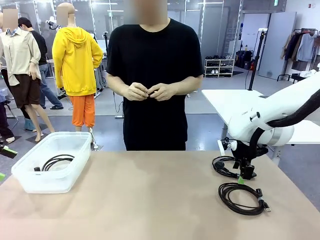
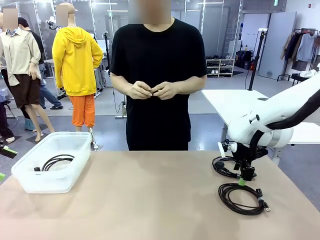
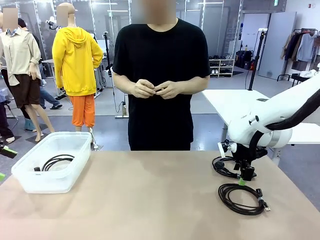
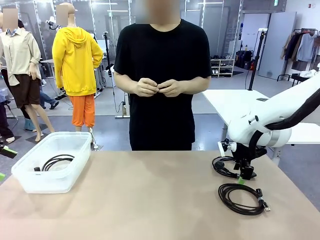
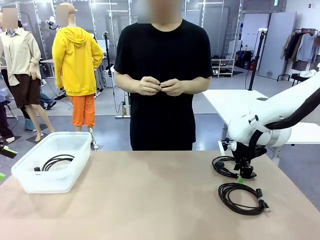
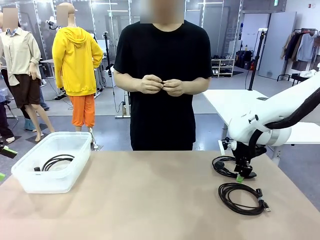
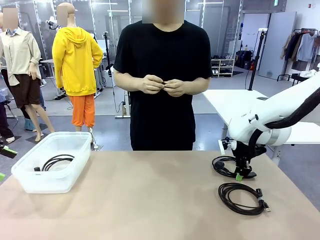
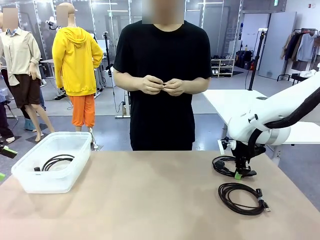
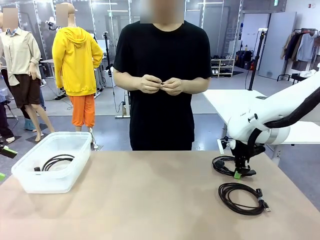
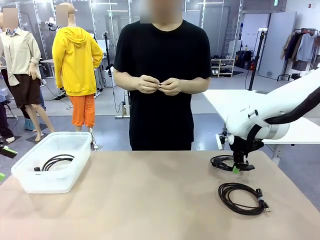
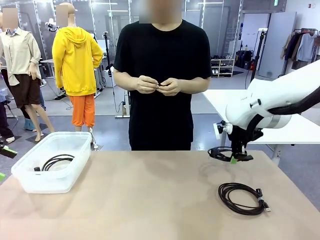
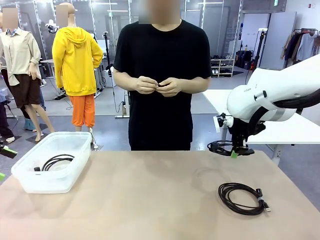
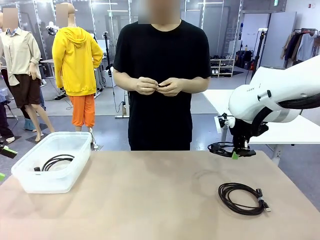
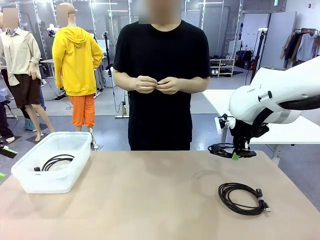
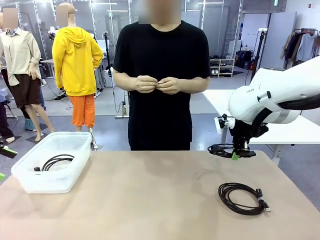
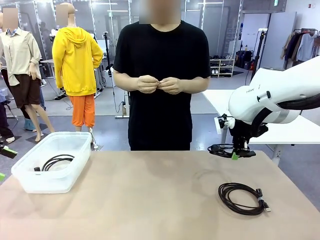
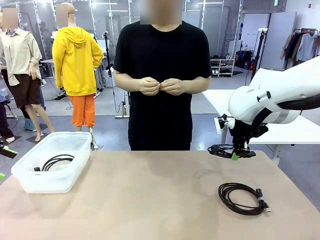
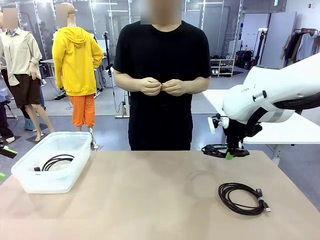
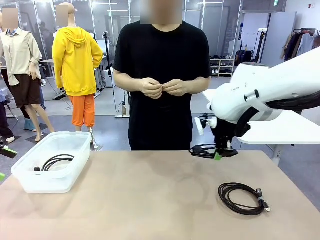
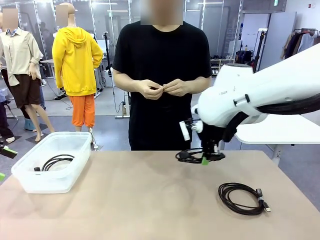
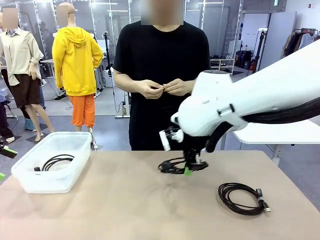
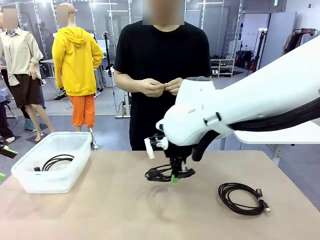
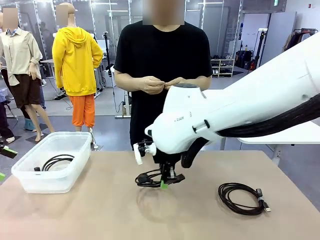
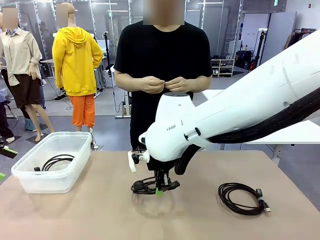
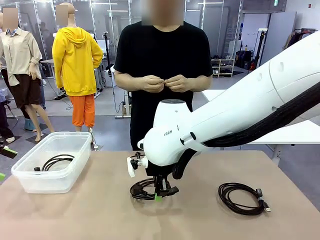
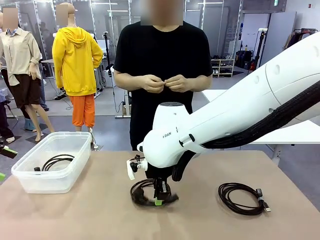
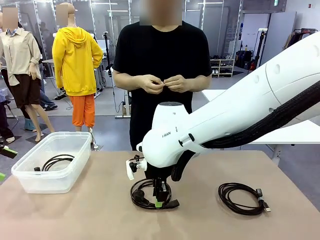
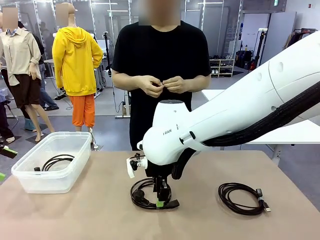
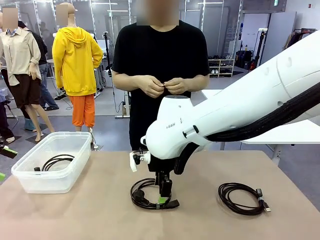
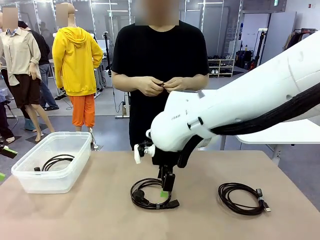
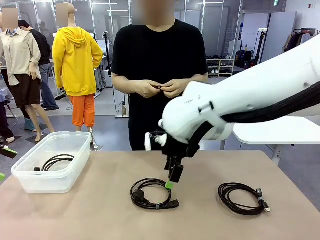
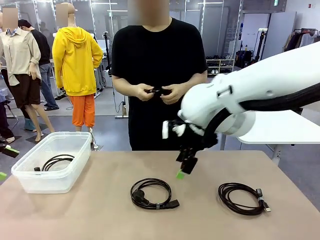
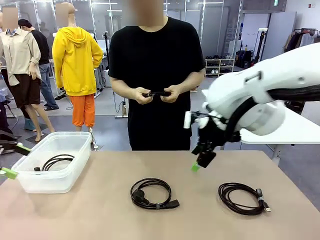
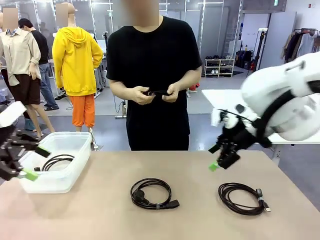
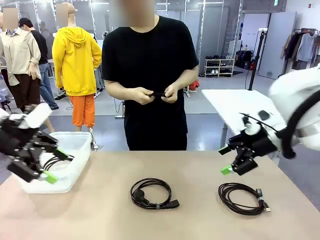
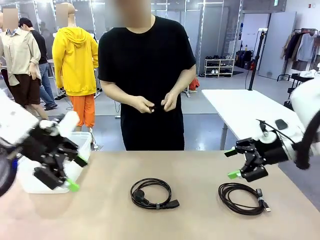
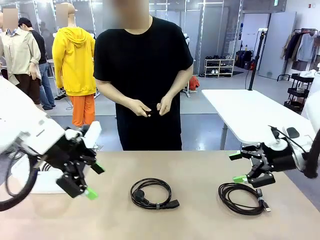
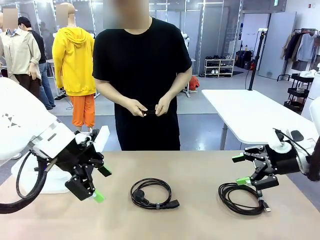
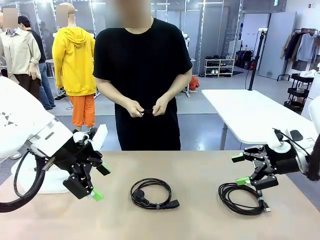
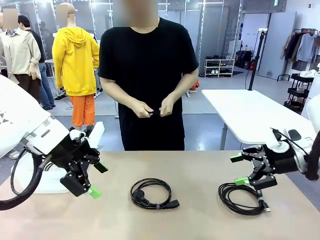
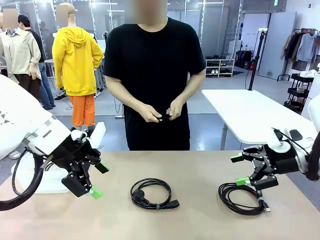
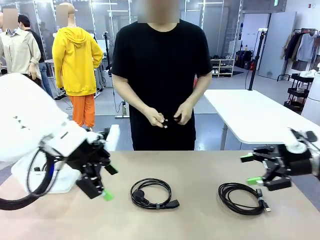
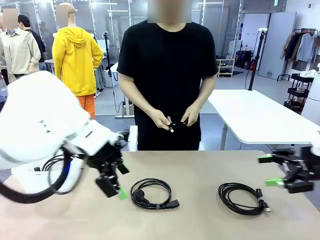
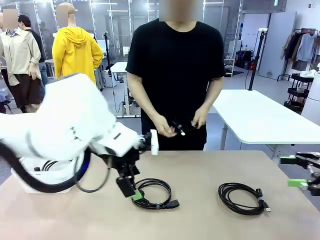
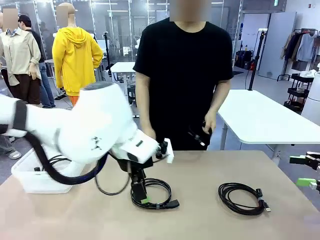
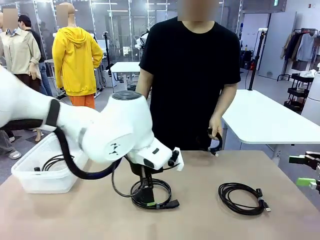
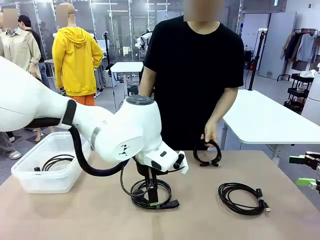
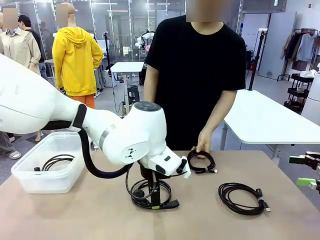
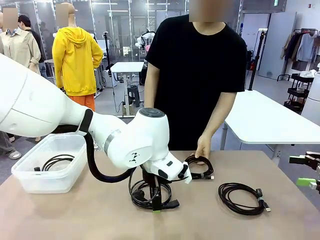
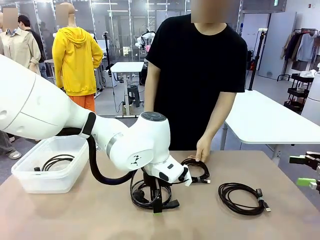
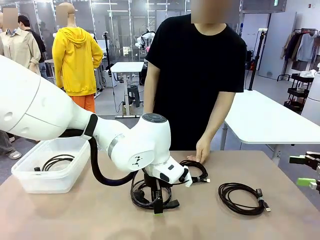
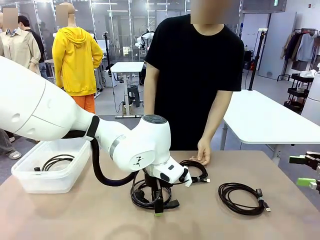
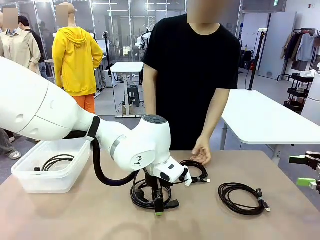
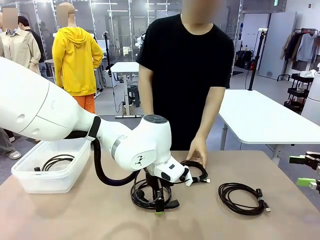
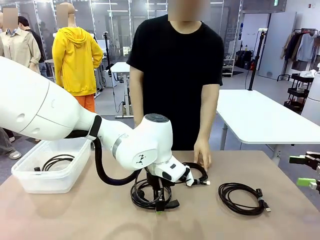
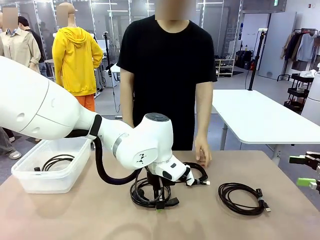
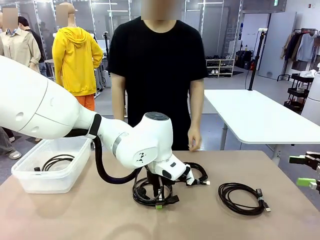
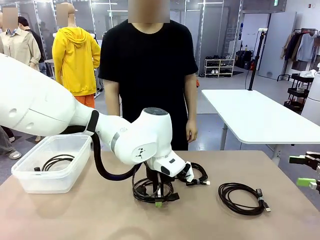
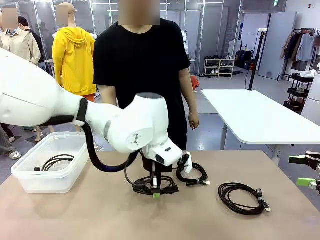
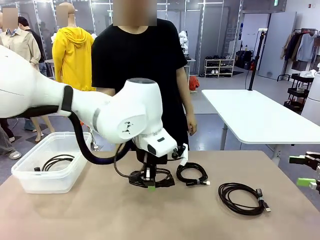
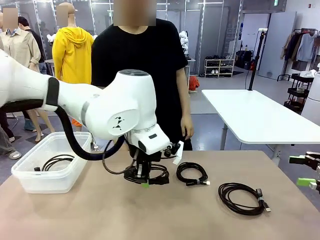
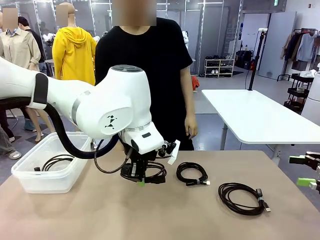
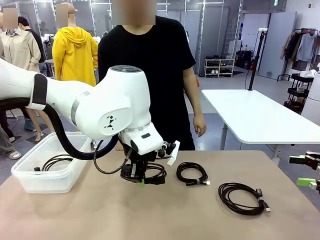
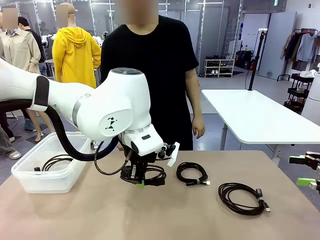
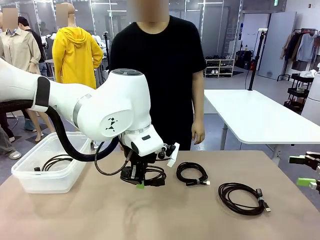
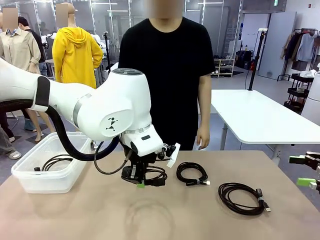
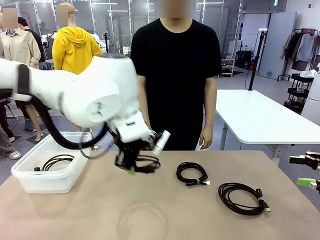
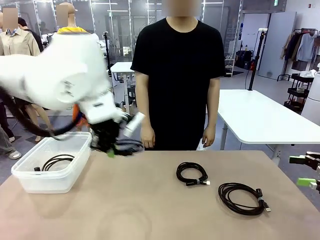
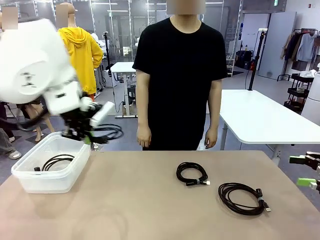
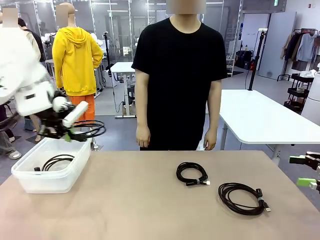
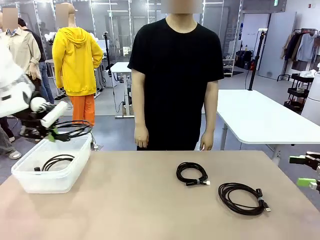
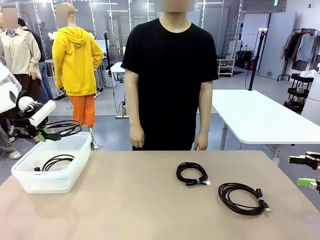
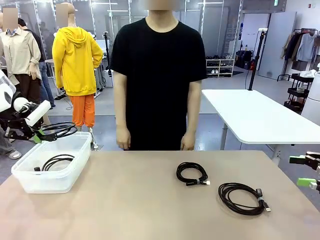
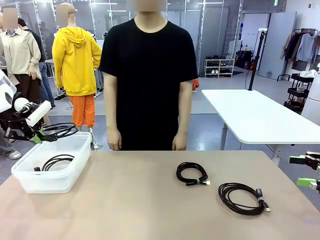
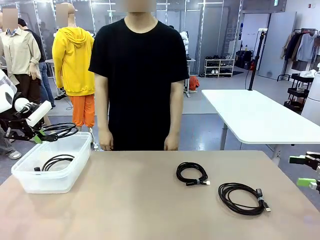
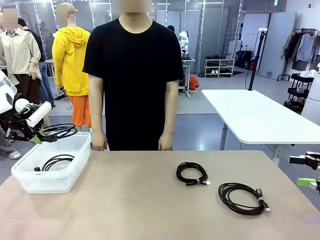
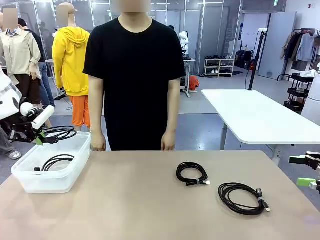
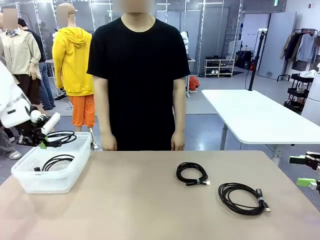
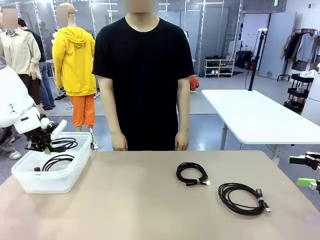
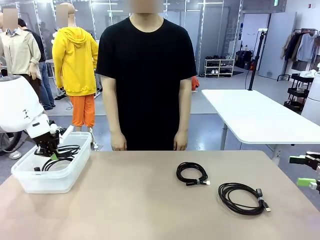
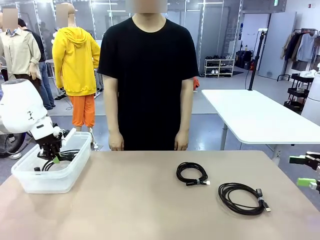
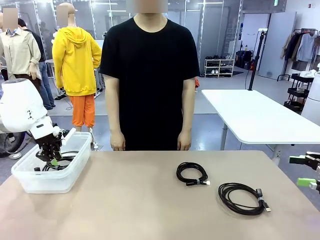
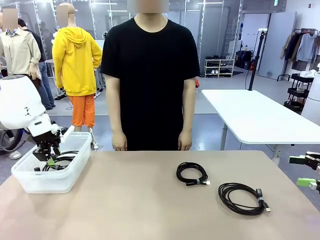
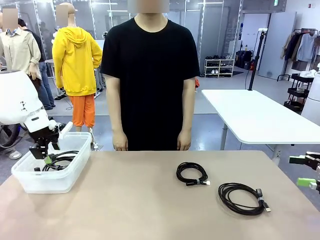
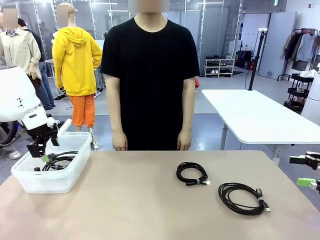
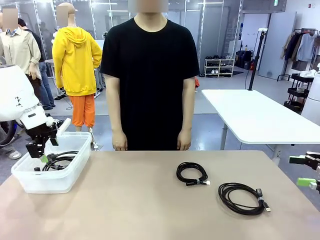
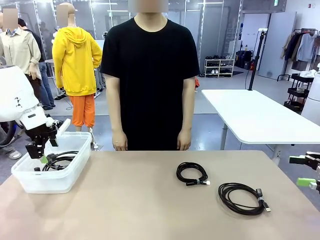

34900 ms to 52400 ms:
Task: Organize and store the cables.
Robot: Place the Power Cable into the Organizing box.

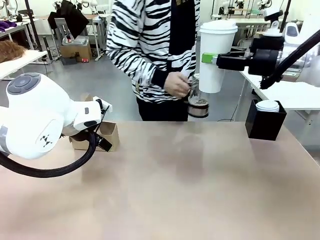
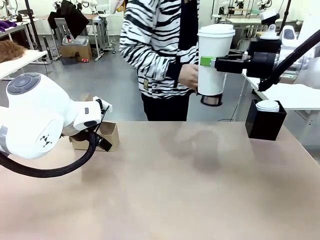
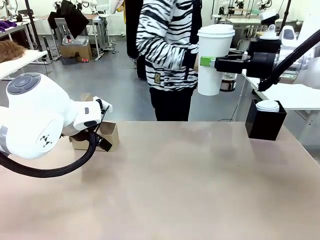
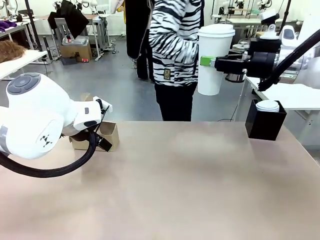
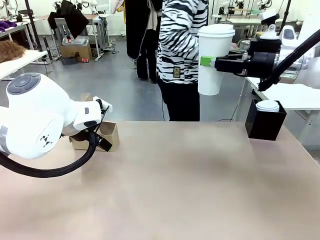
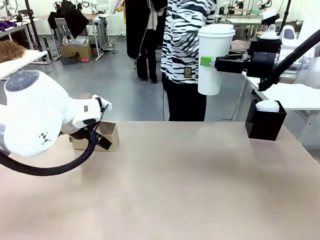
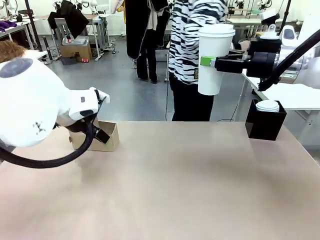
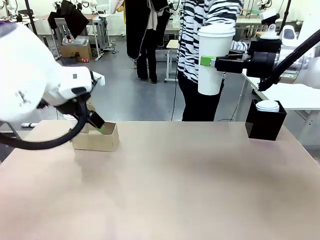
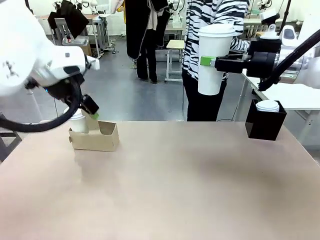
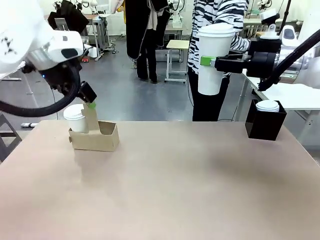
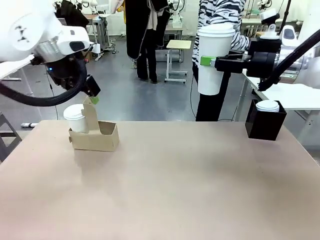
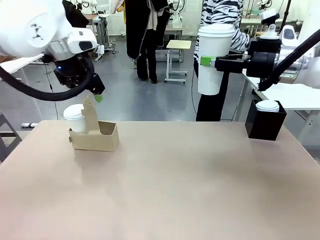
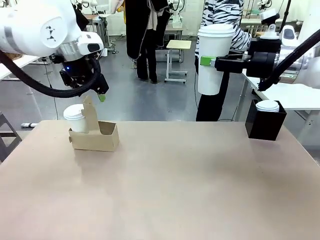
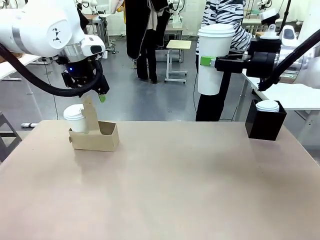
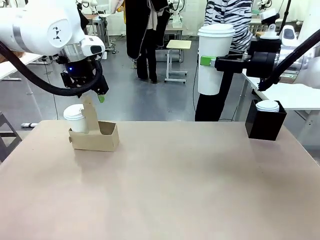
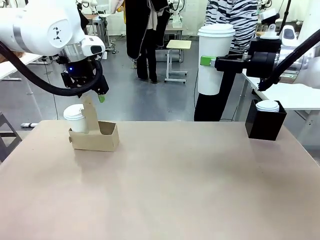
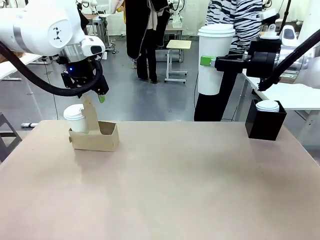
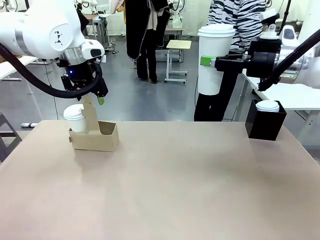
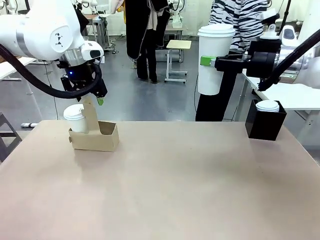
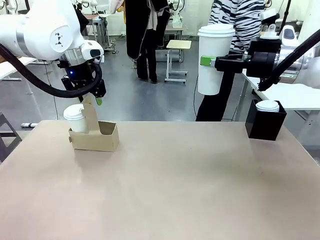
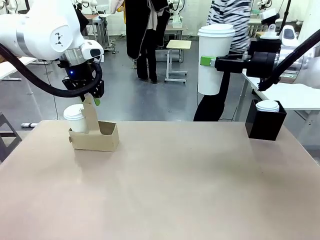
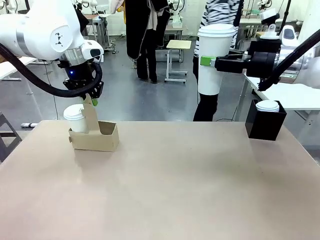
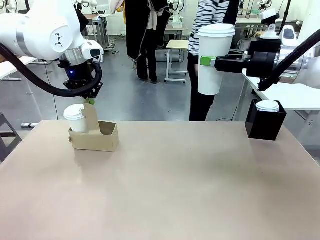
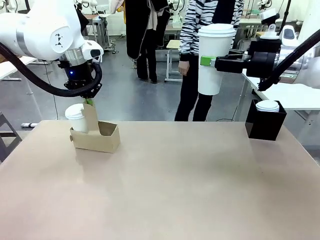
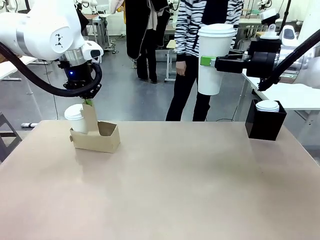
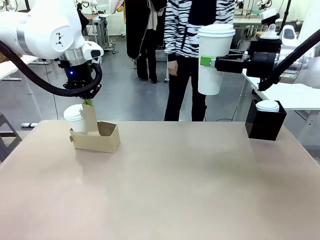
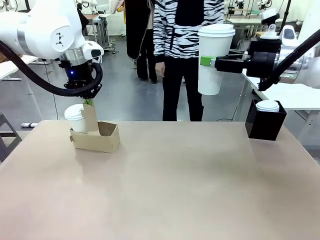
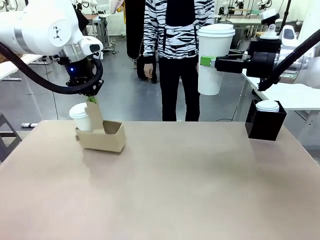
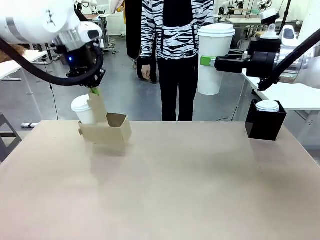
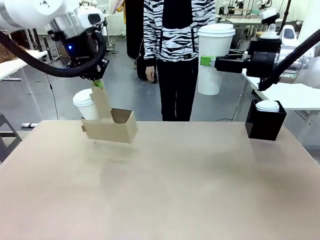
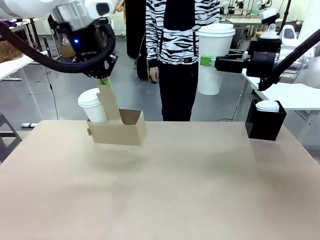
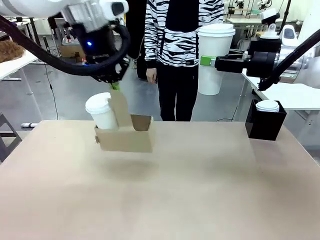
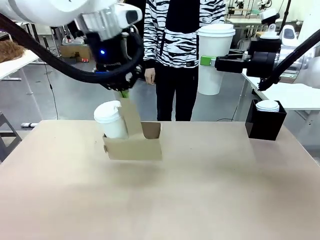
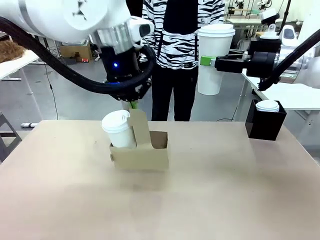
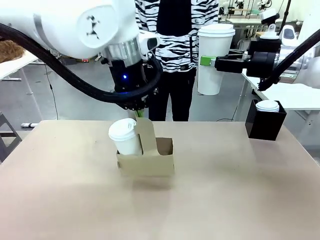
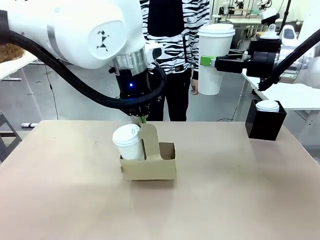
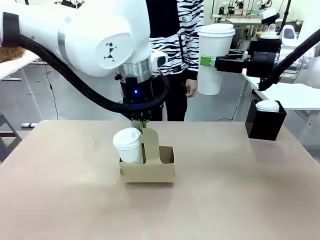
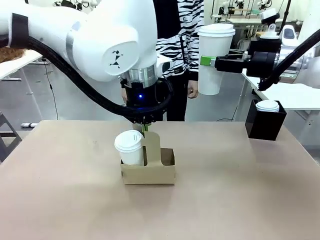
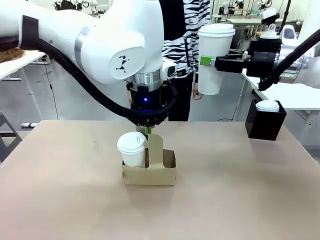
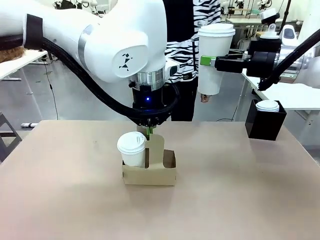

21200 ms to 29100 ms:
Task: Pour a drink into a cup and package it in a carrier.
Robot: Position the Cup Carrier in the center of the table.
Person: Pick up the Filter Brewing and place on the middle of Human table, and return to the Robot table.
